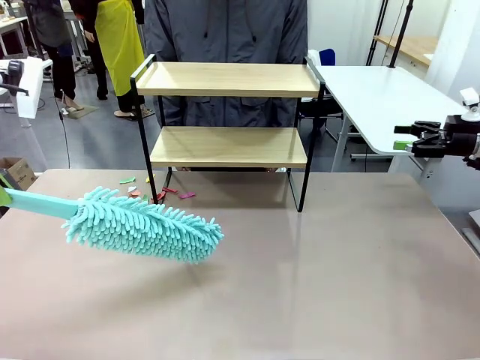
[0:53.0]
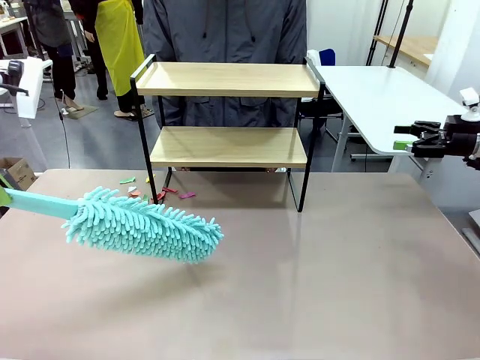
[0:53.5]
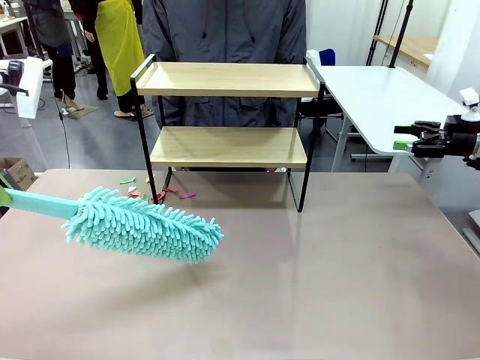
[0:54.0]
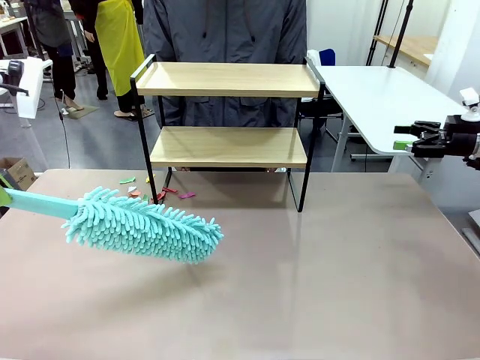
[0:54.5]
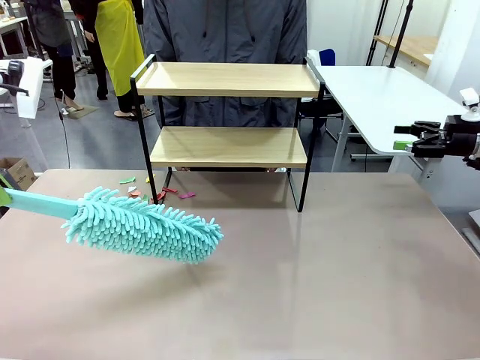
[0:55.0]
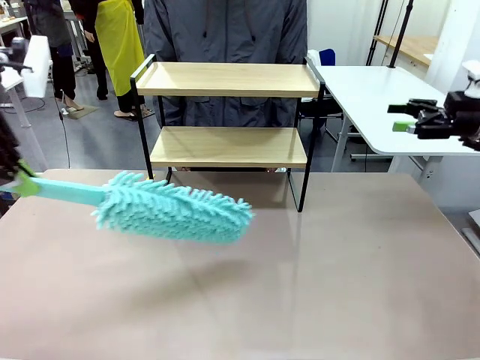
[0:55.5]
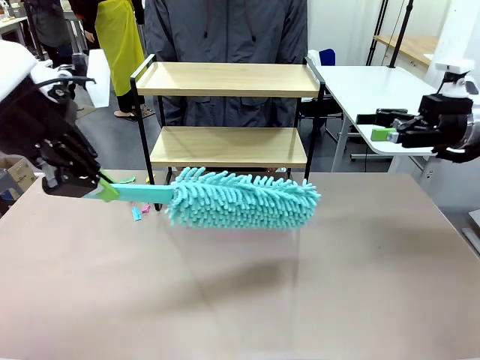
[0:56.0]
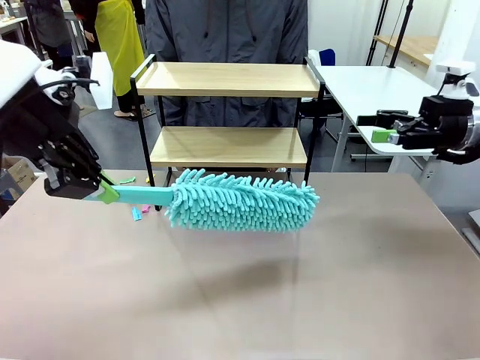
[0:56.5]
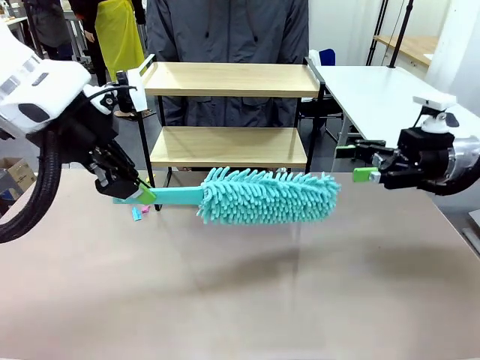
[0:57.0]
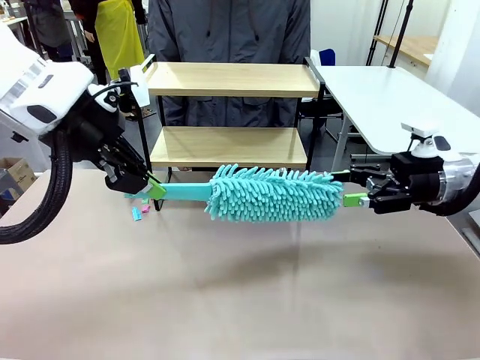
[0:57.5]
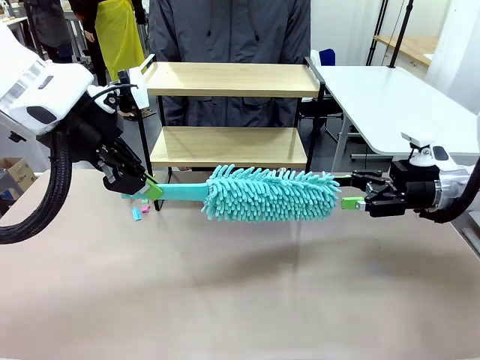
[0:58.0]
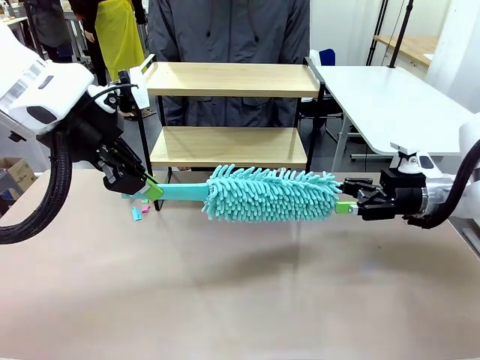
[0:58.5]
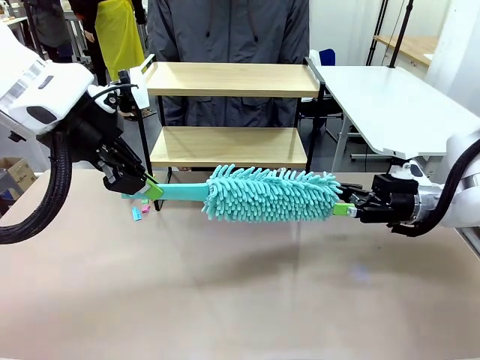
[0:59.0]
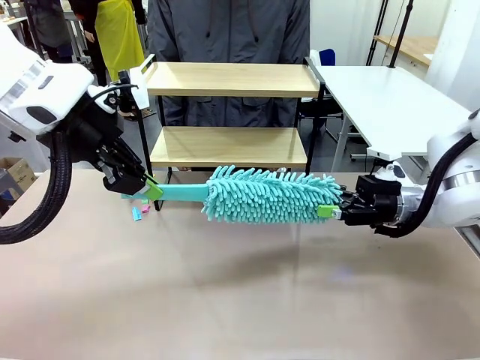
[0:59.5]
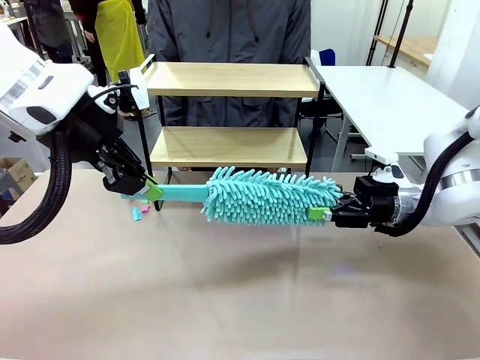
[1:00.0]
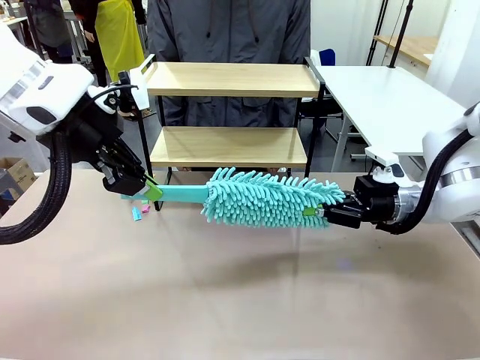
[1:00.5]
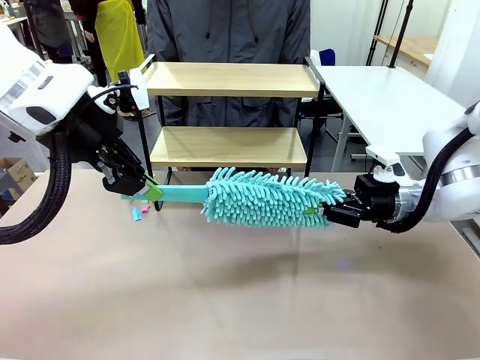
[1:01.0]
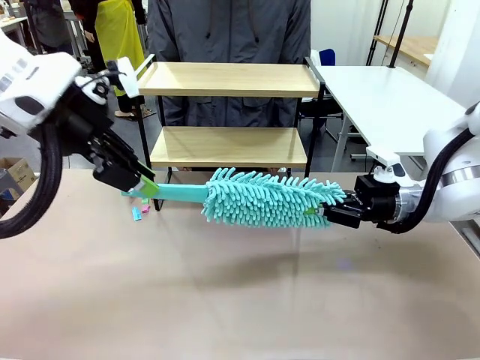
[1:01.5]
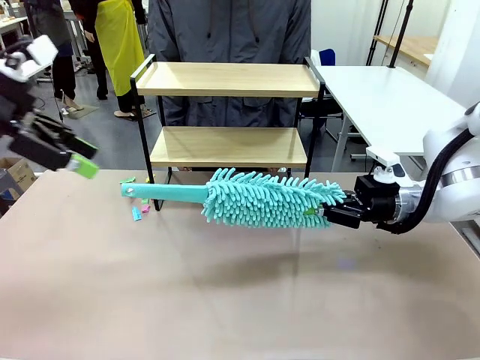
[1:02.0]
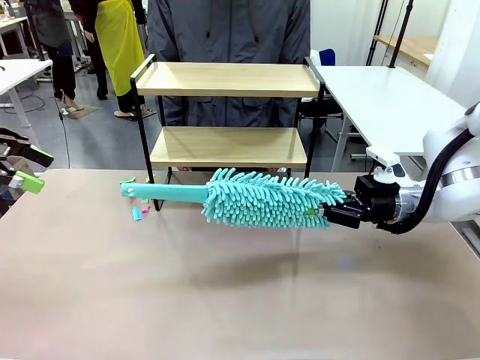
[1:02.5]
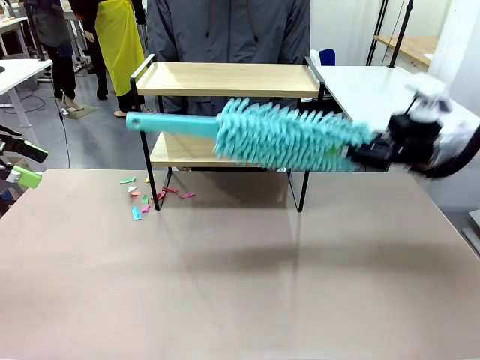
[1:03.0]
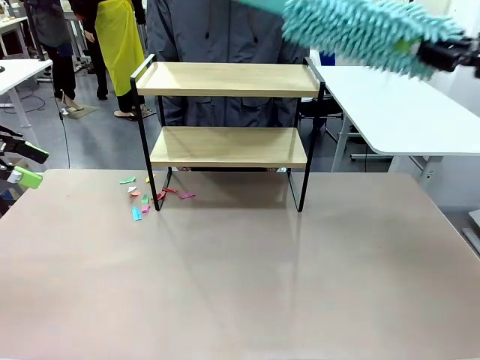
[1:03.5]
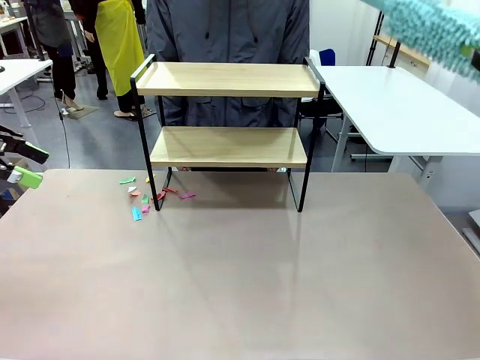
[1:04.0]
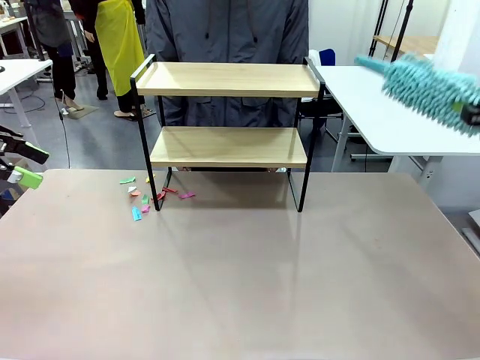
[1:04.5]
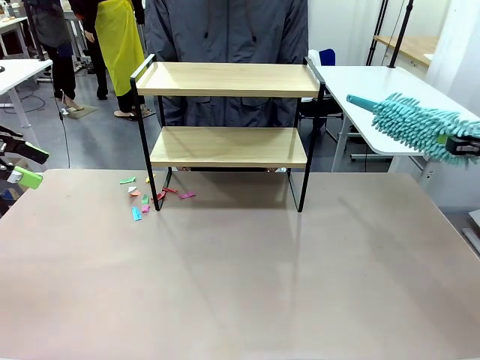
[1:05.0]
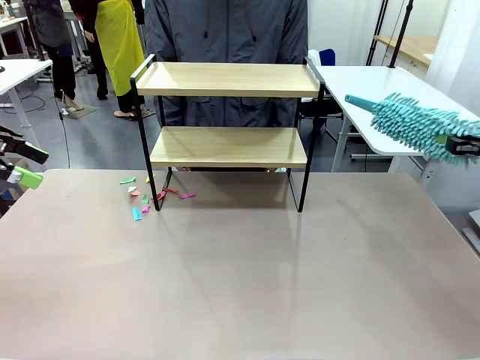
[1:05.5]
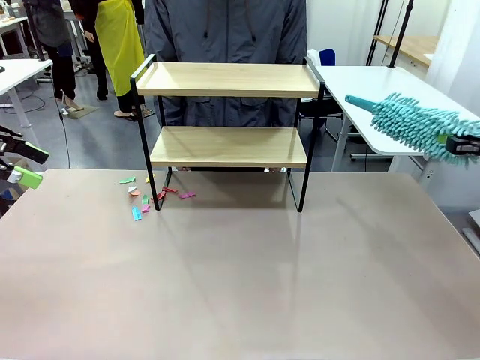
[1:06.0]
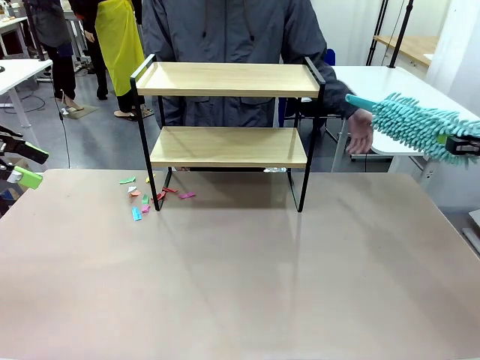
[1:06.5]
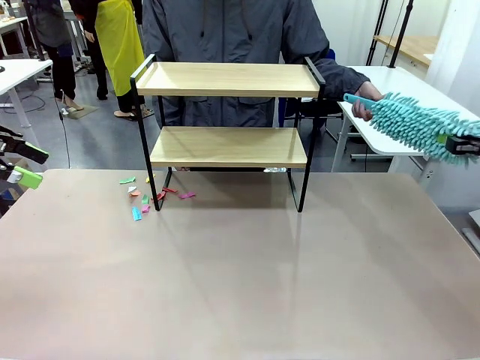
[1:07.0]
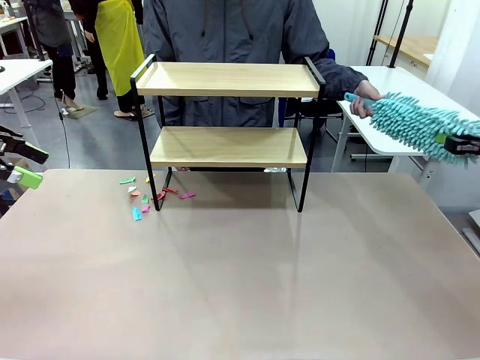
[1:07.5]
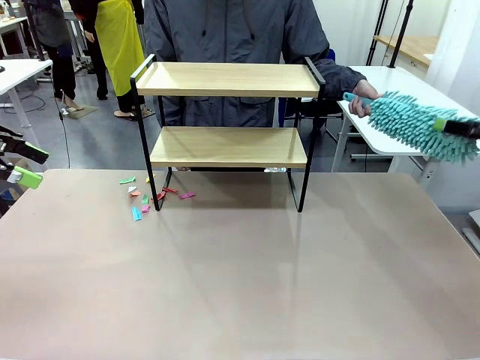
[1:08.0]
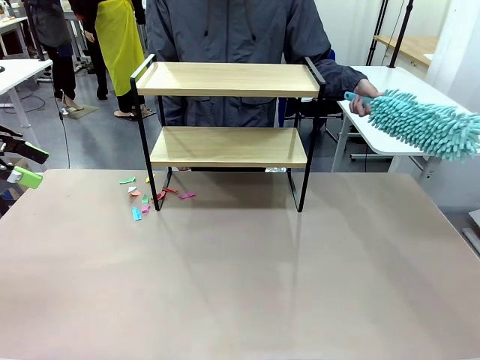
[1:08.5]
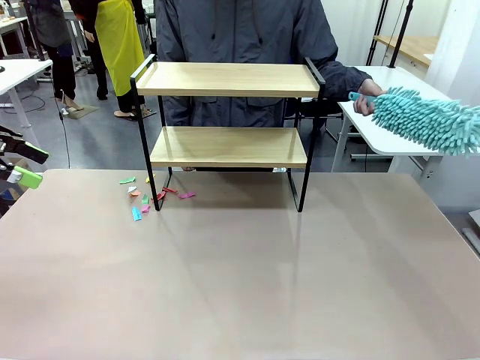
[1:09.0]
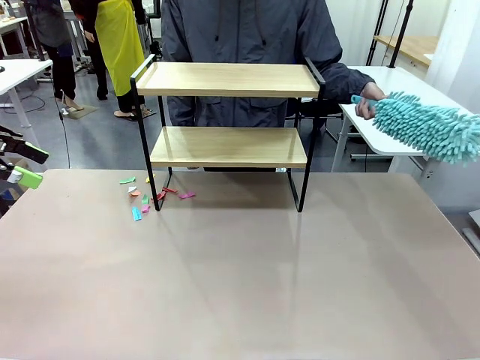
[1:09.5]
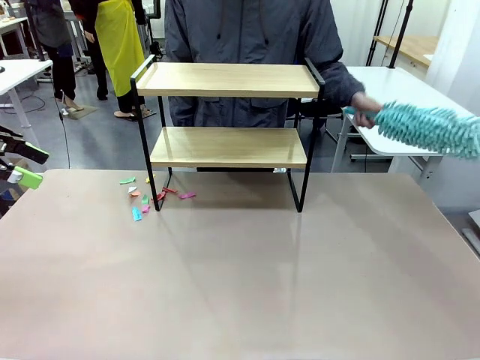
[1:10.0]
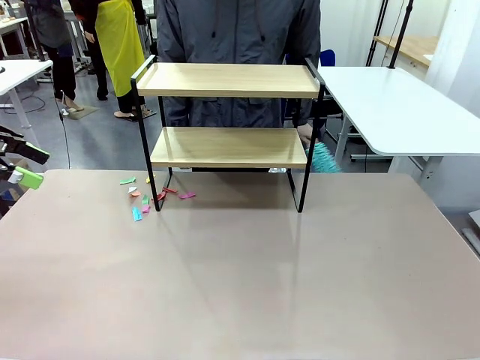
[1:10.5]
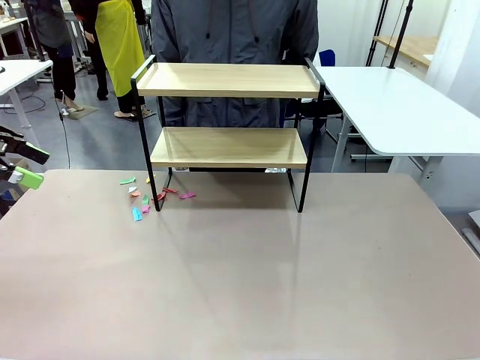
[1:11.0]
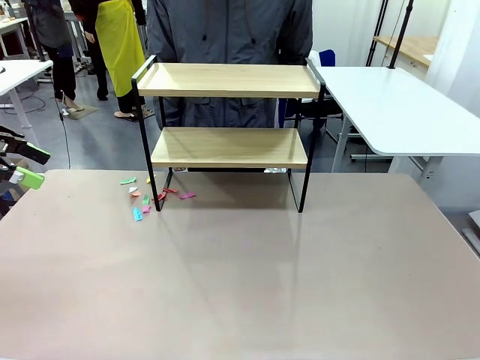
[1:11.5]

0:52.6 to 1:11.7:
Task: Clean the shelf.
Robot: Hand the Duster back to the human.
Person: Receive the Duster from the robot.

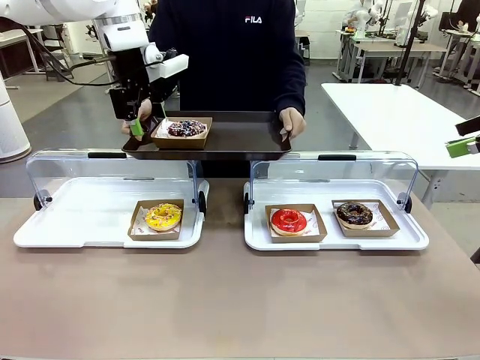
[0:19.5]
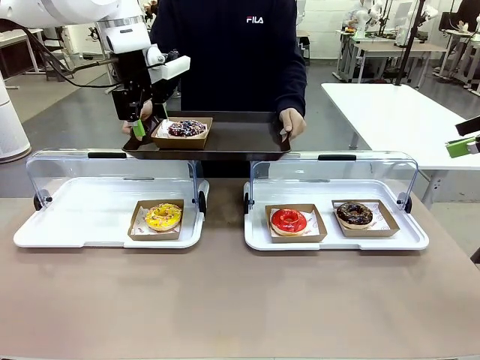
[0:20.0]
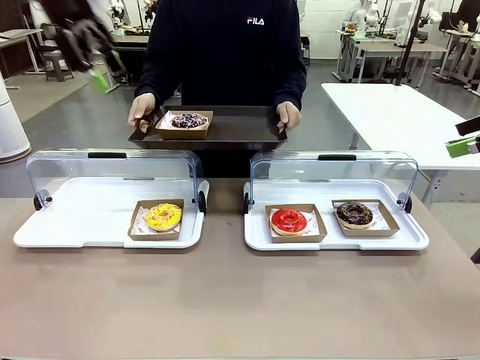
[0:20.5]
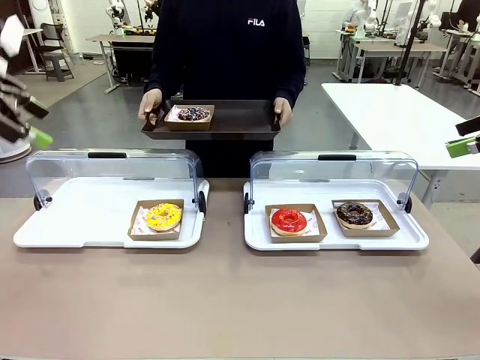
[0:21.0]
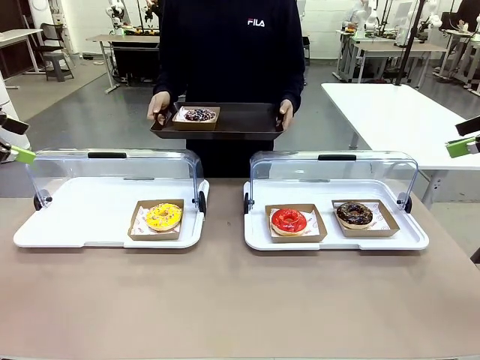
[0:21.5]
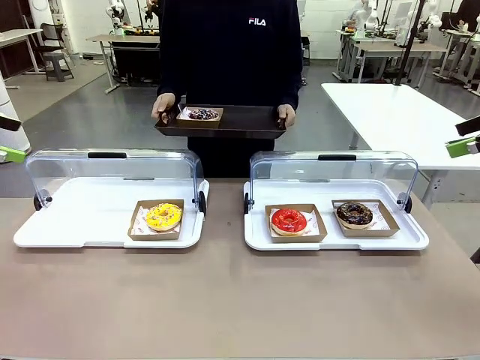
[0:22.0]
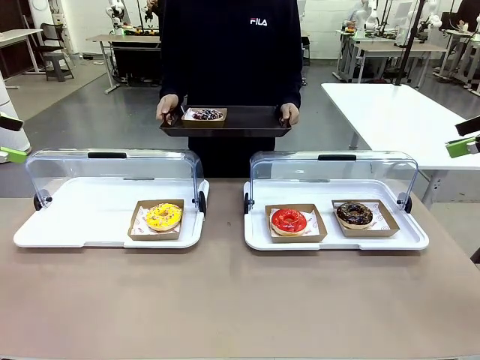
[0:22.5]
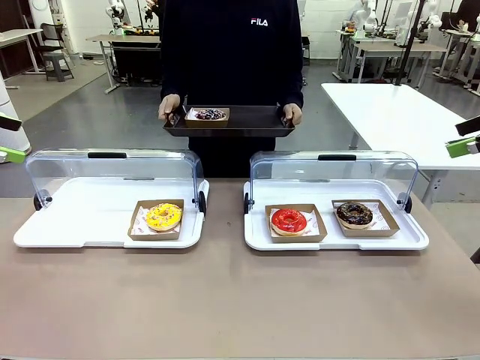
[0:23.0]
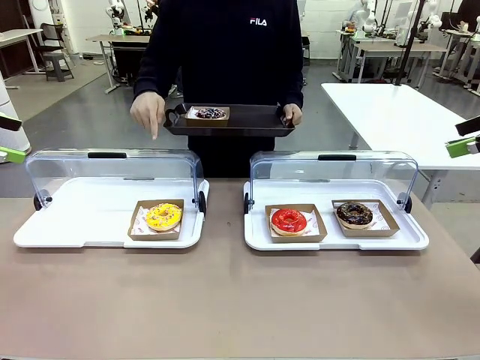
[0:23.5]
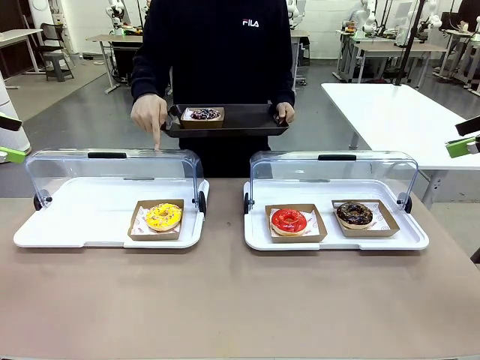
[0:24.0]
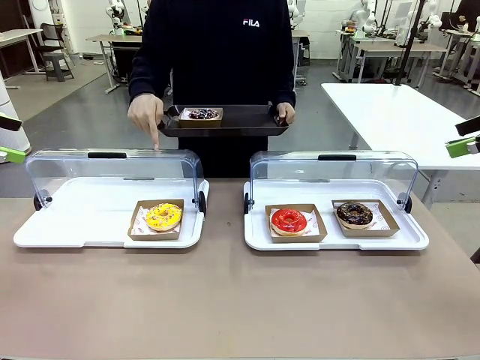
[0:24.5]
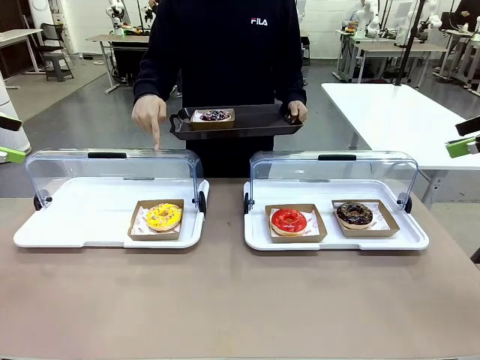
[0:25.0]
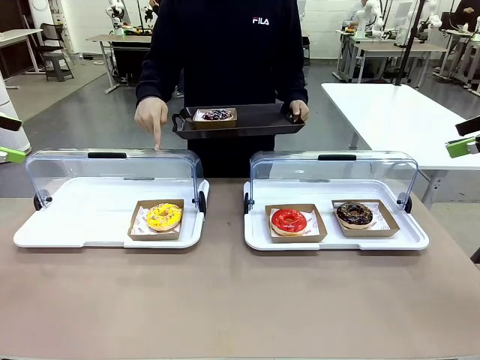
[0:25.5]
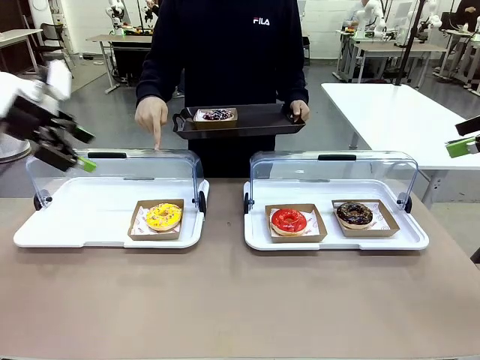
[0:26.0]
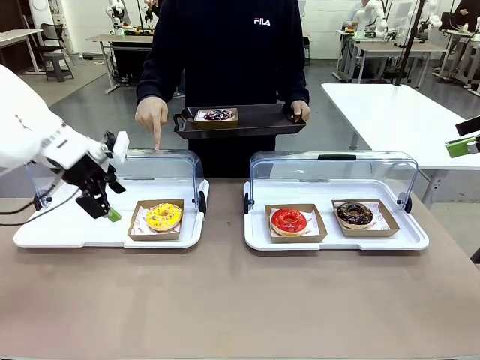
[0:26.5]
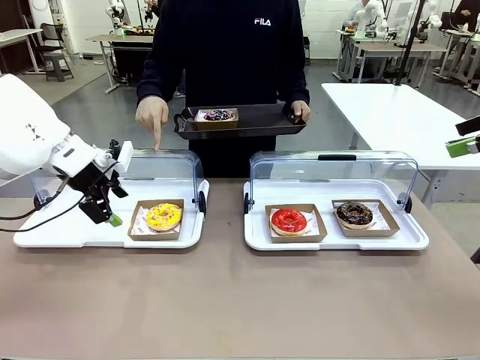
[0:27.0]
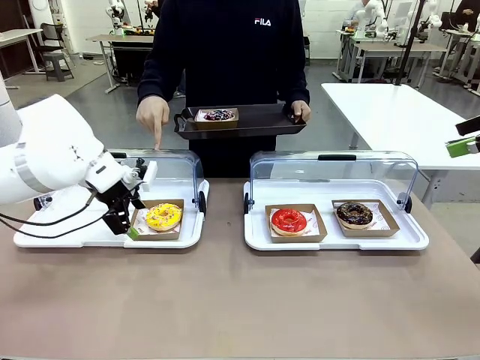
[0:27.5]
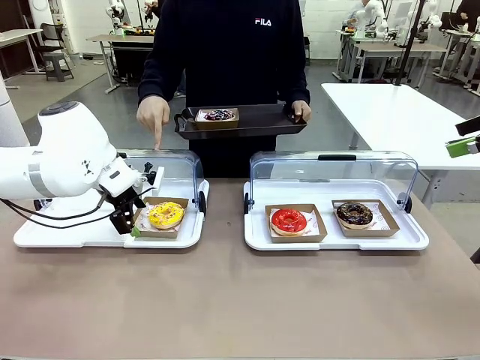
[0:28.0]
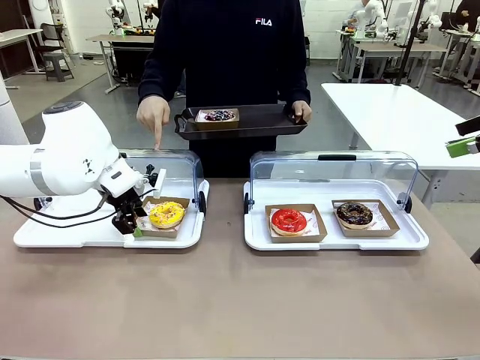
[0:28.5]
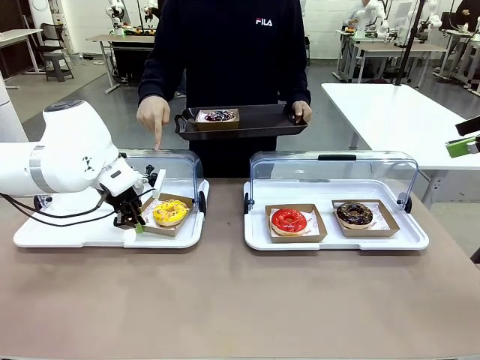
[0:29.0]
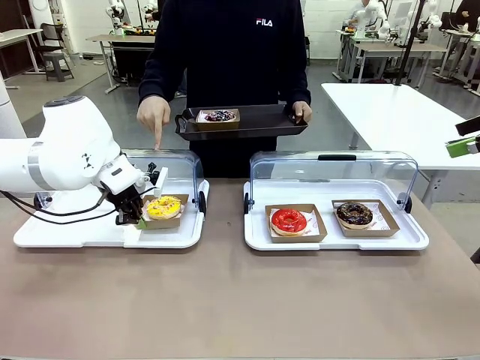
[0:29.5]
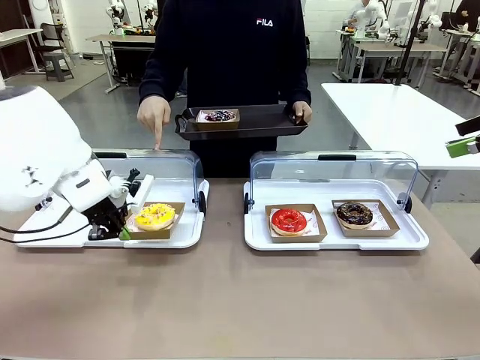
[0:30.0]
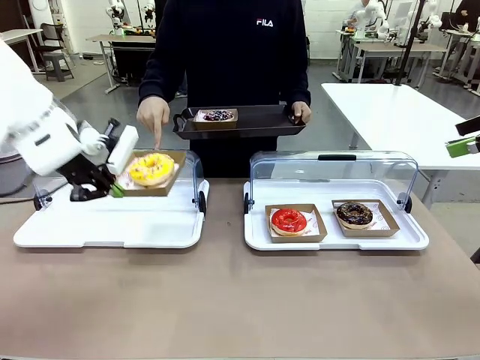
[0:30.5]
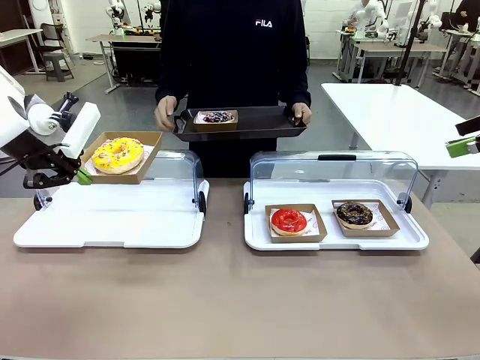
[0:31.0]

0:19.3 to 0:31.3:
Task: Provide the desired donut to the person.
Robot: Pick up and lift the Paper togo box containing the Donut pointed at by the person.
Person: Point to one donut. Lift the tray onto the Roll-Top Bakery Case.
